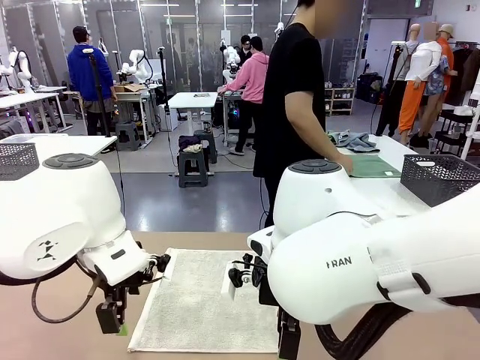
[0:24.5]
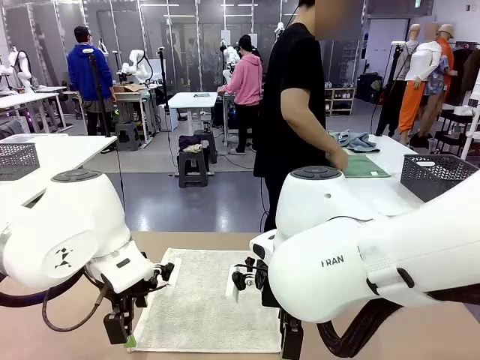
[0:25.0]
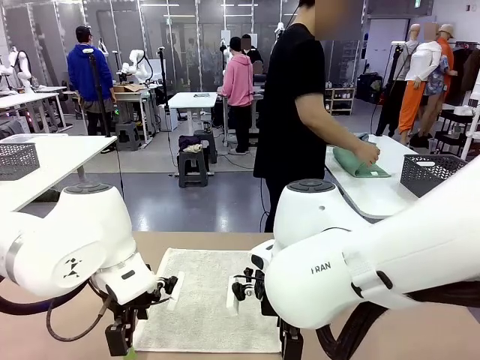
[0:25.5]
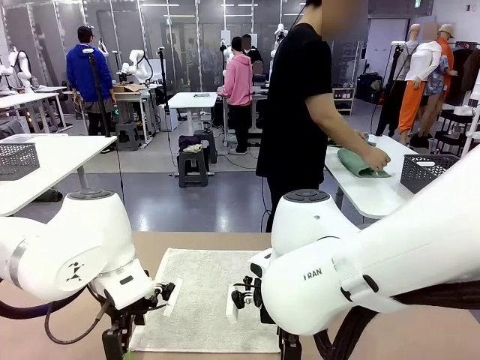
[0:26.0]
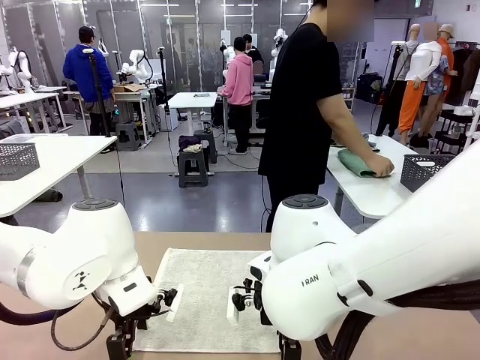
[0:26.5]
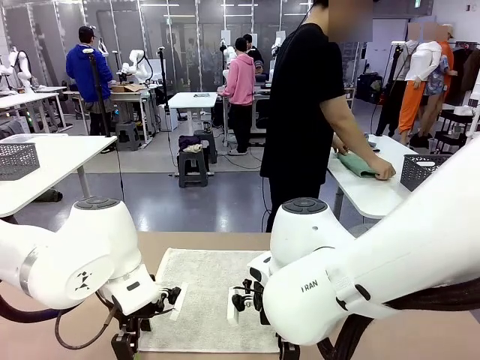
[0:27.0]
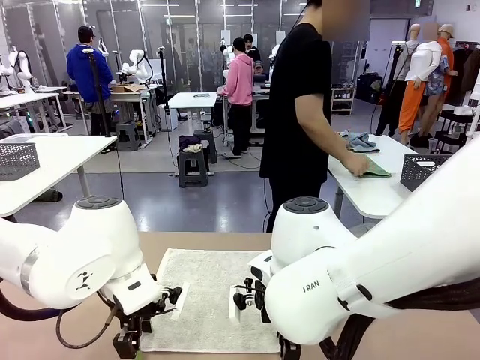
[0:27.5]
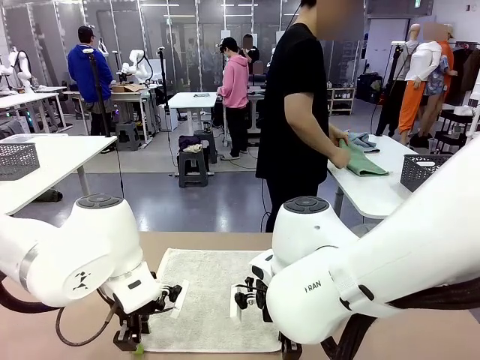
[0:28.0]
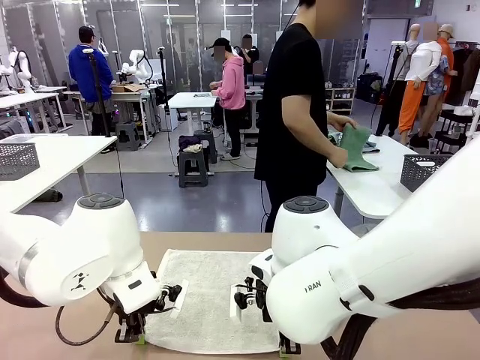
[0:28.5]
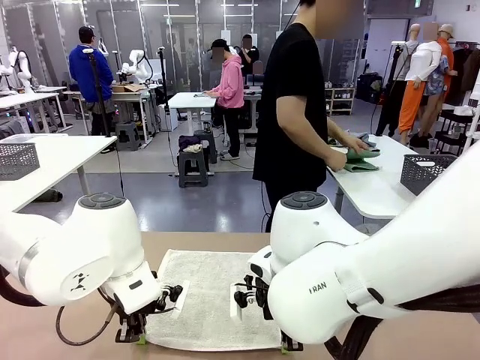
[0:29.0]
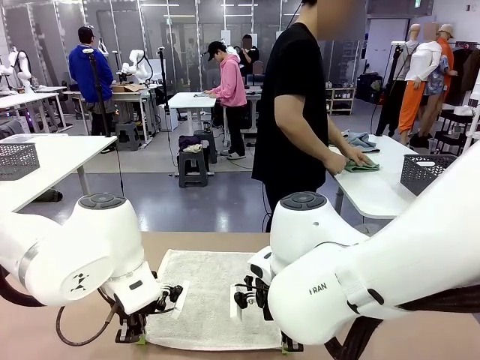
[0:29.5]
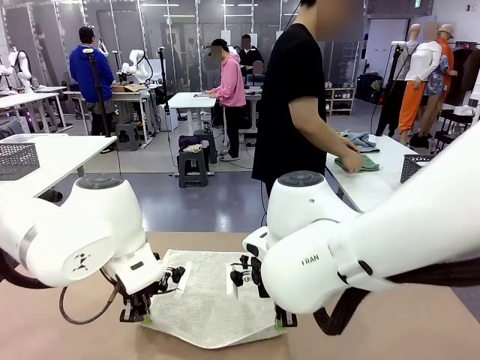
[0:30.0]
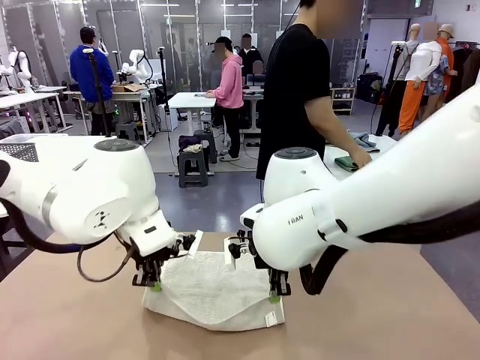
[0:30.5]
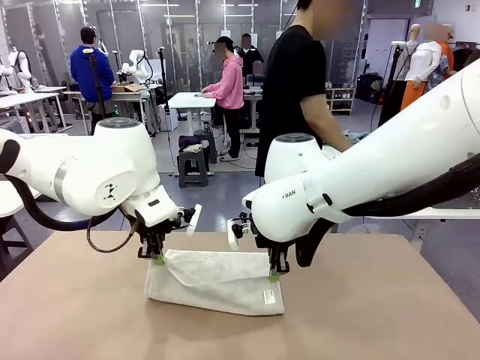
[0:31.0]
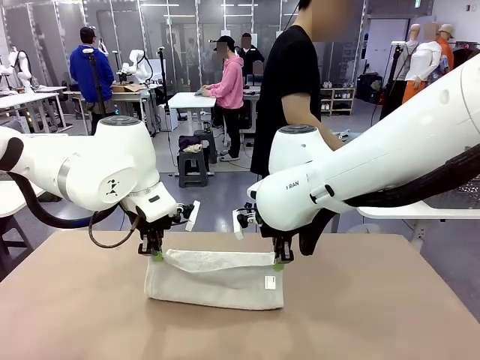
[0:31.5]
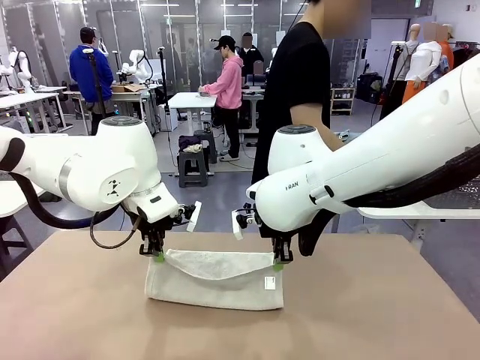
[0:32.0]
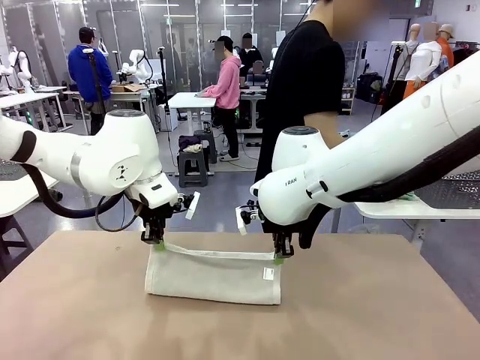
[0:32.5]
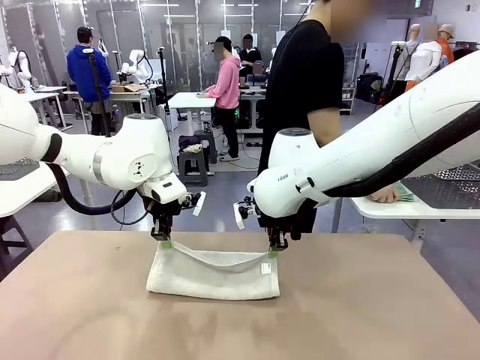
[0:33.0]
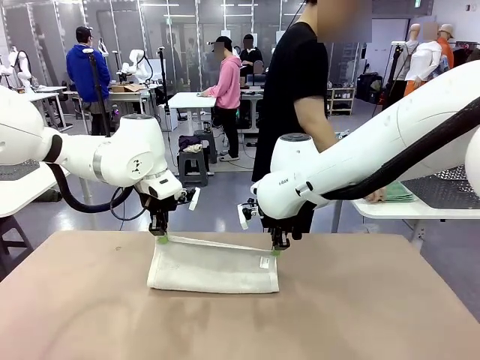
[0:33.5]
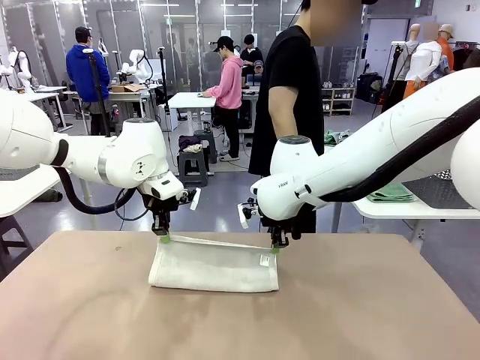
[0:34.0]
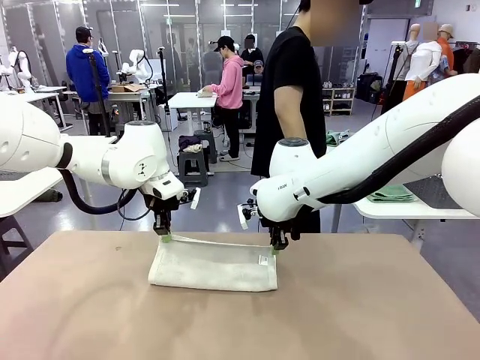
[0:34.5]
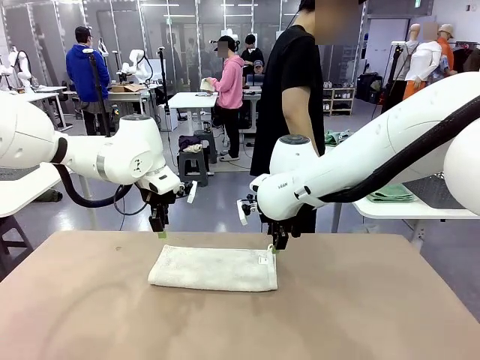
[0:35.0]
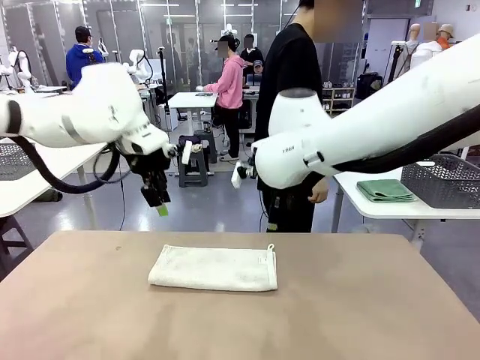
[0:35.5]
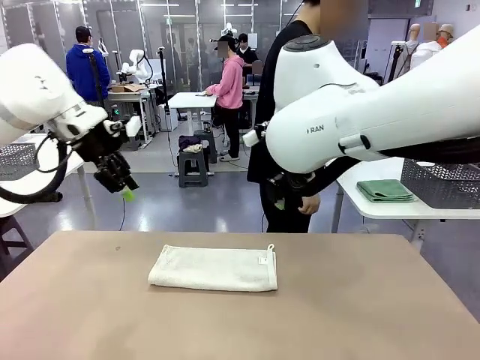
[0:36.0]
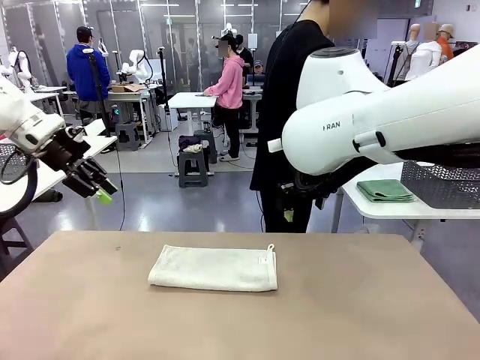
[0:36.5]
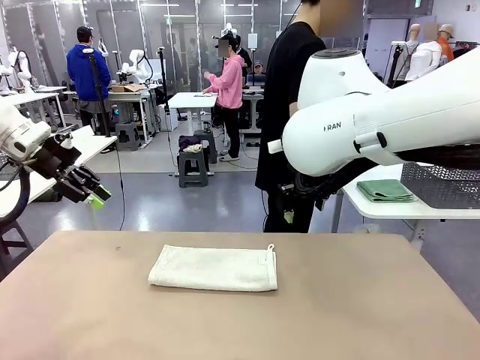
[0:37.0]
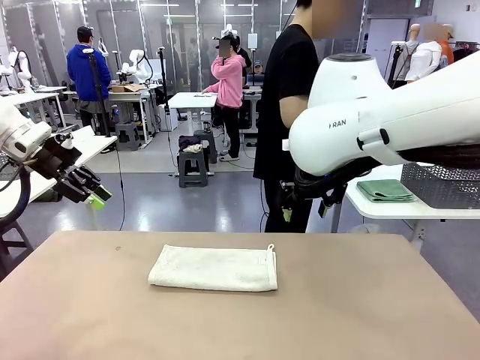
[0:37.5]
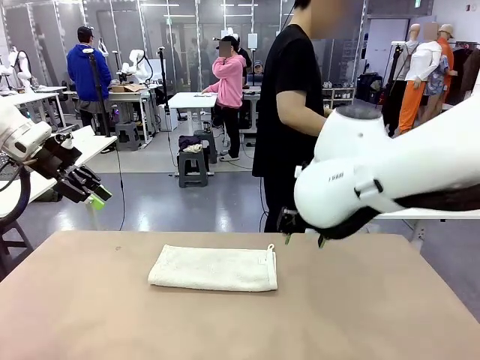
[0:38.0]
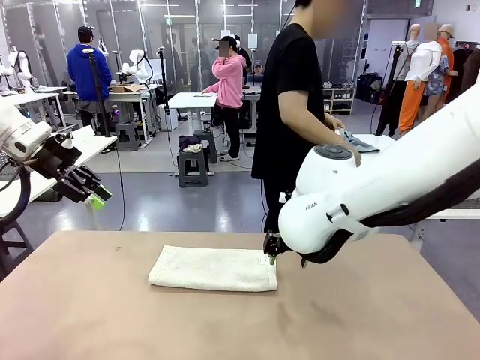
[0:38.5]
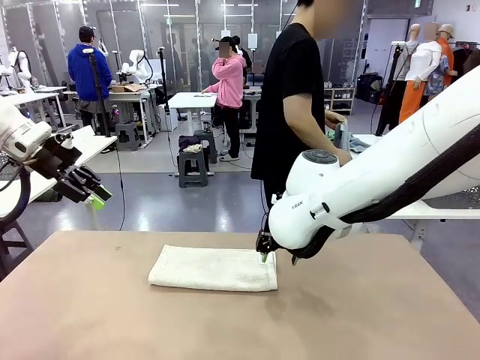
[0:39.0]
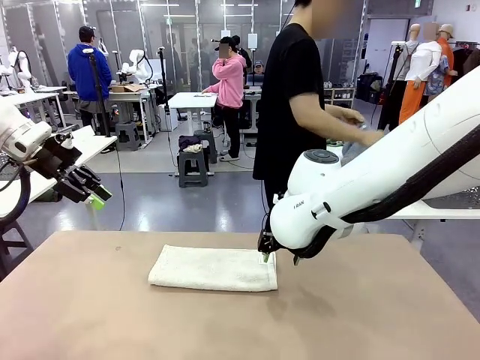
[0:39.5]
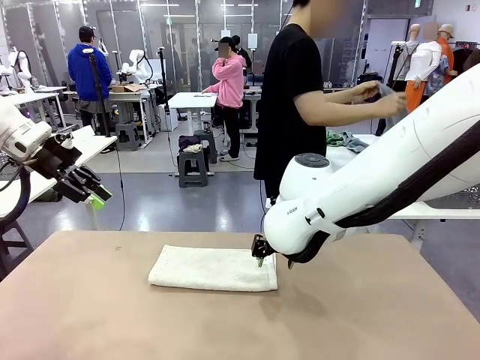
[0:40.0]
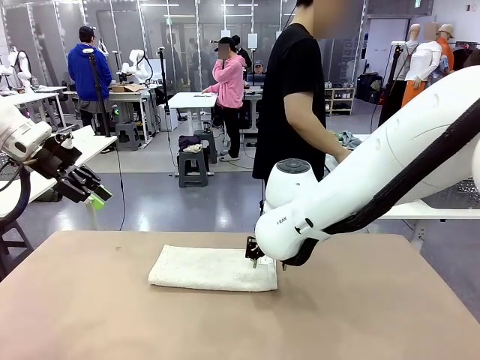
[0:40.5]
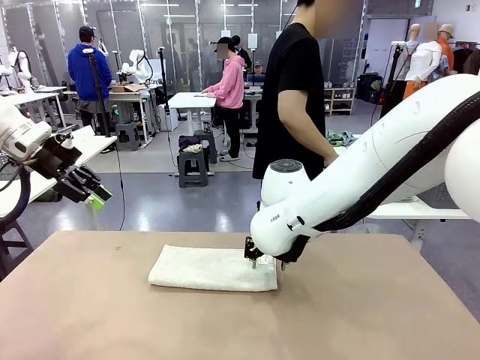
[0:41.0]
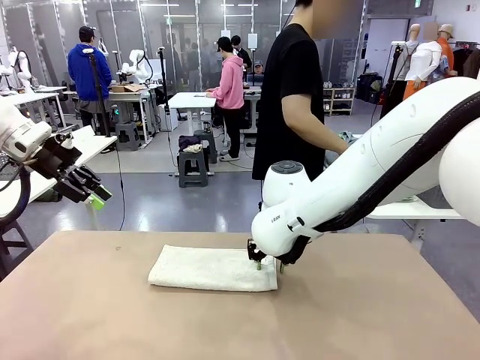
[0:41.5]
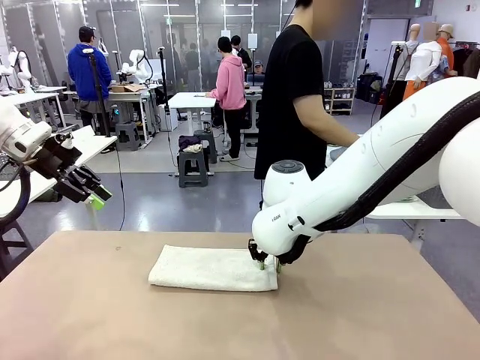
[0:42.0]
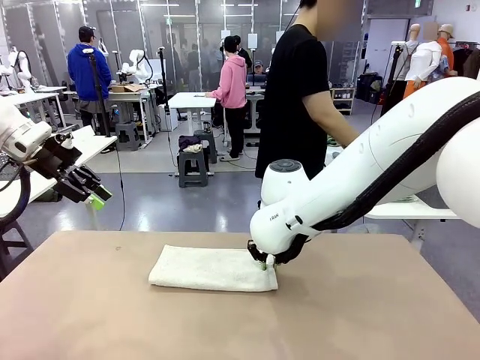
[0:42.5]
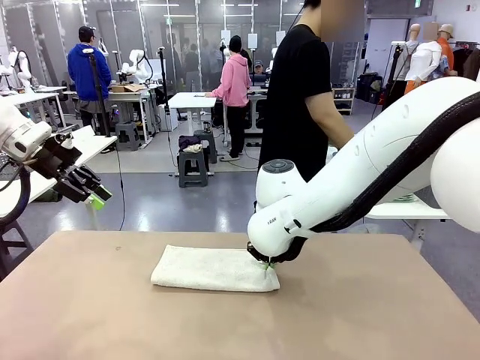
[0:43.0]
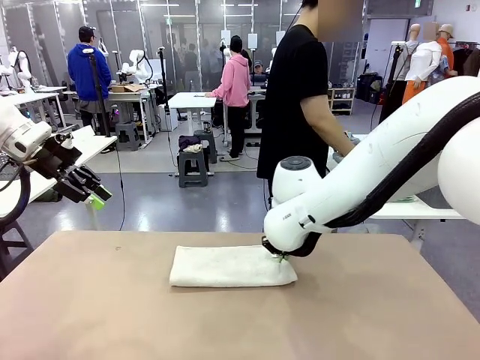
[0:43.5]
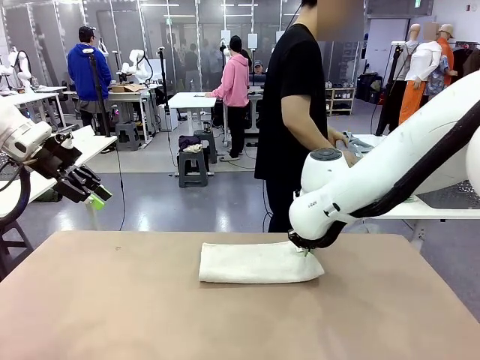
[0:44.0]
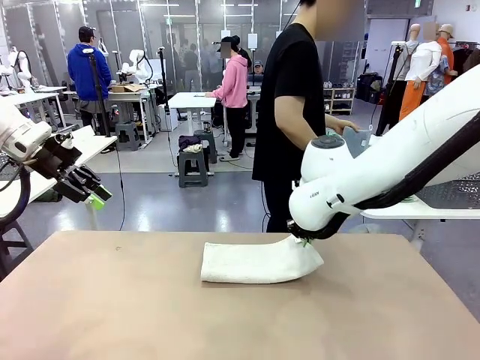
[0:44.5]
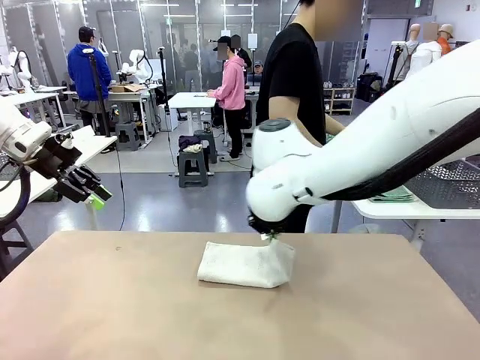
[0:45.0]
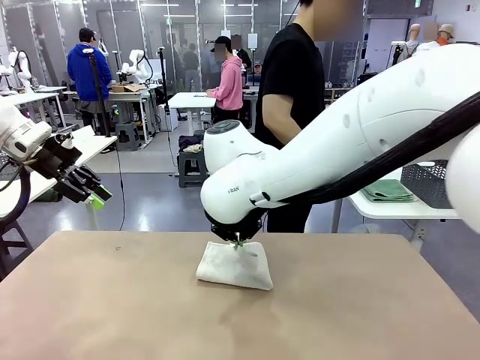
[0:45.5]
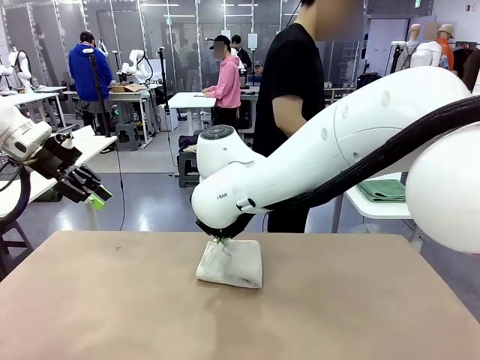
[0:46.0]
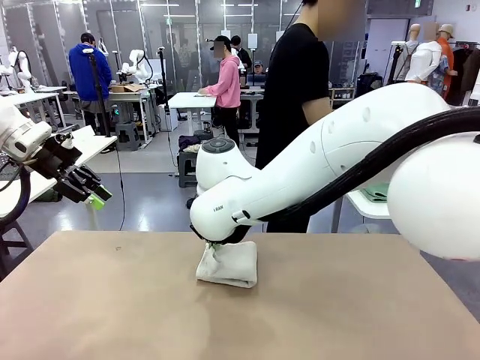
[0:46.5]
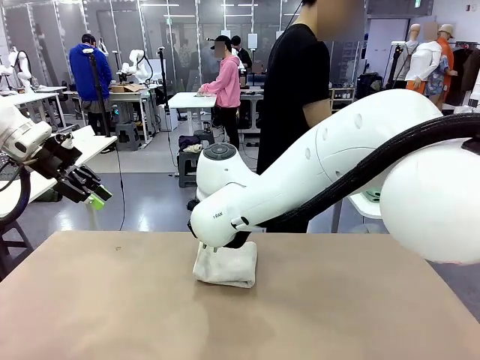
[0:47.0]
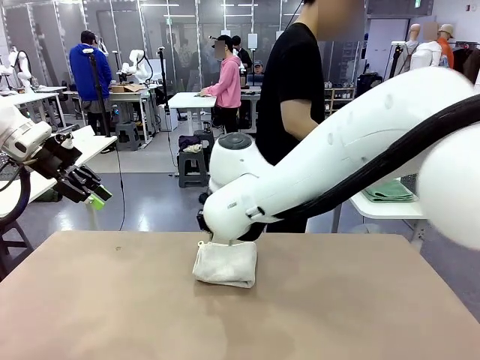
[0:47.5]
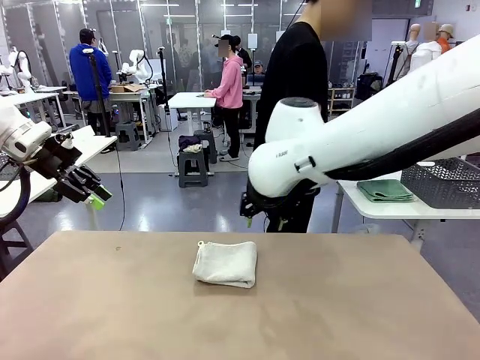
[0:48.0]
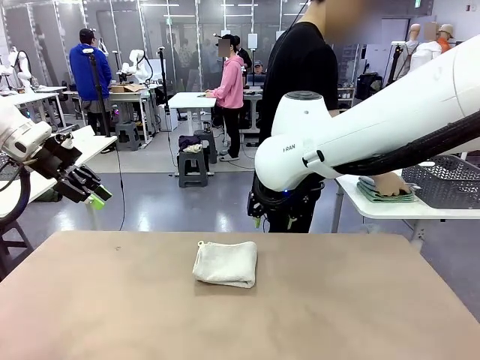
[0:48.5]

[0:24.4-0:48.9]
Task: Fold the towels and place them in the basket.
Robot: When a person lays out a Towel with hook on the table, fold it in half twice.
Person: Pick up one towel from the left side of the human table, fold it in half twice, and place it on the right side of the table. Pick up one towel from the left side of the human table, fold it in half twice, and stack it on the right side of the table.
